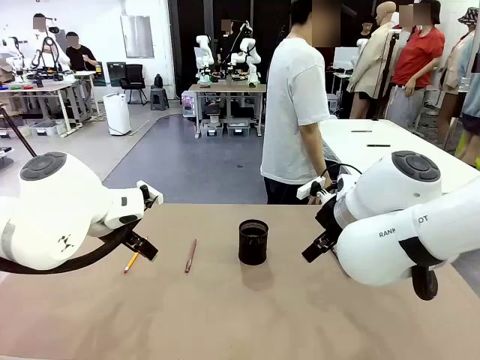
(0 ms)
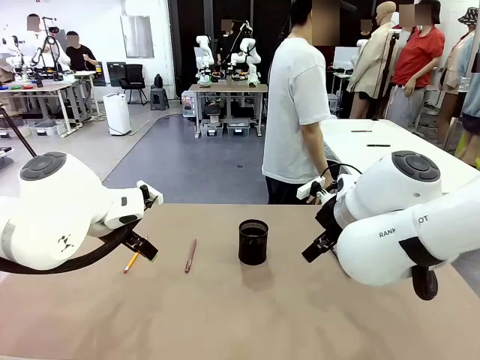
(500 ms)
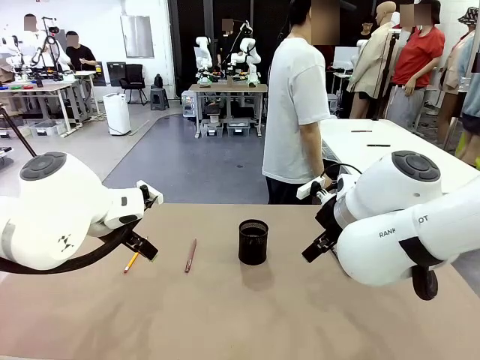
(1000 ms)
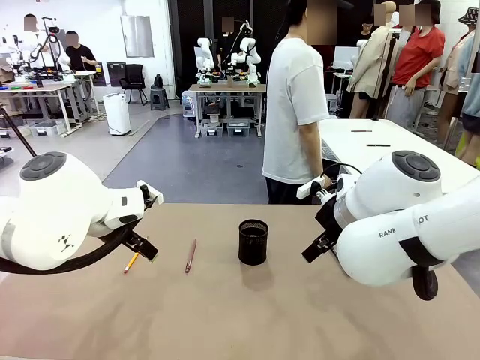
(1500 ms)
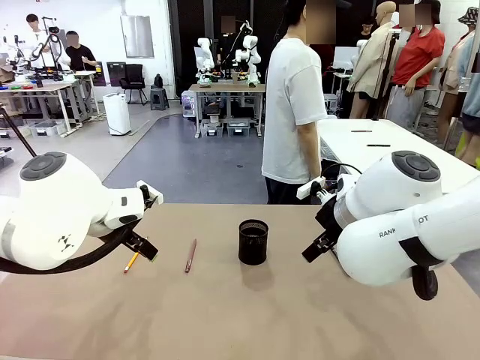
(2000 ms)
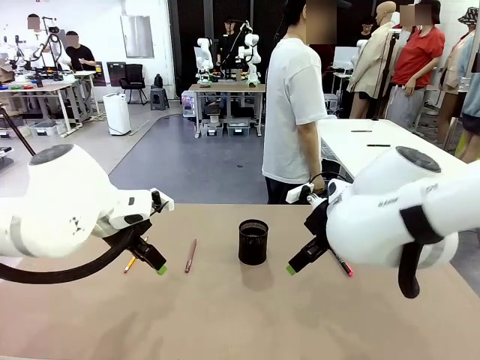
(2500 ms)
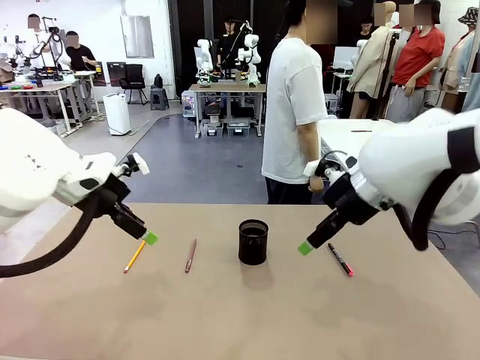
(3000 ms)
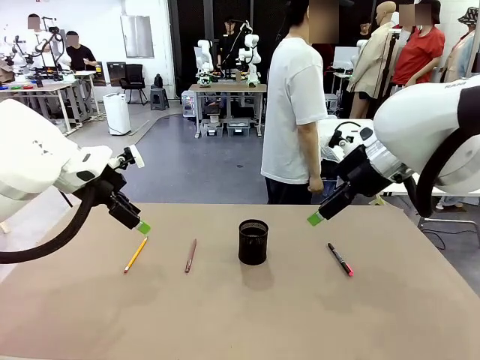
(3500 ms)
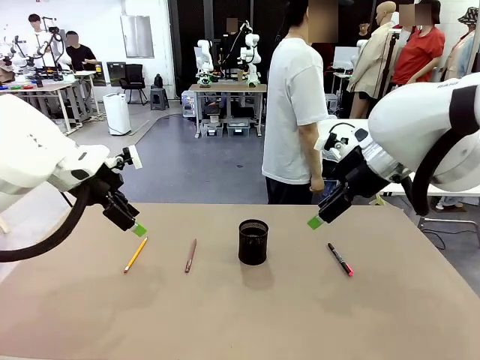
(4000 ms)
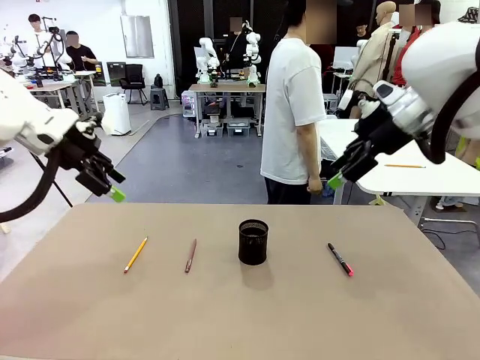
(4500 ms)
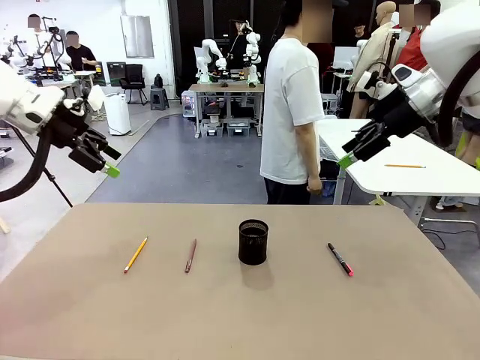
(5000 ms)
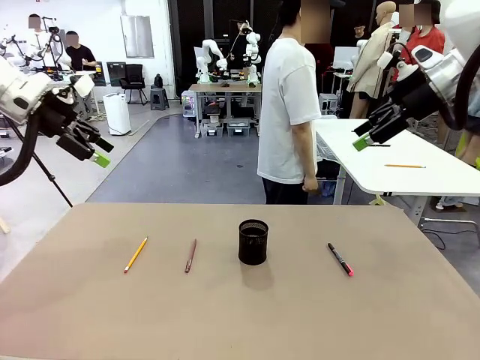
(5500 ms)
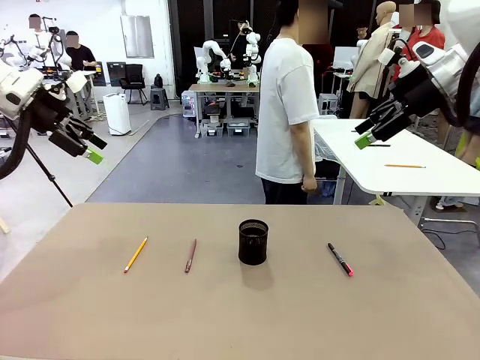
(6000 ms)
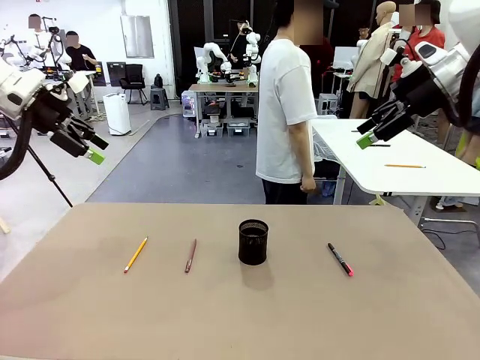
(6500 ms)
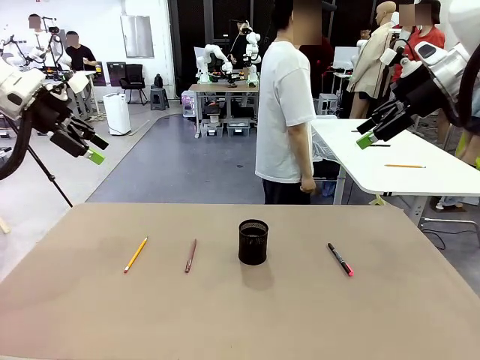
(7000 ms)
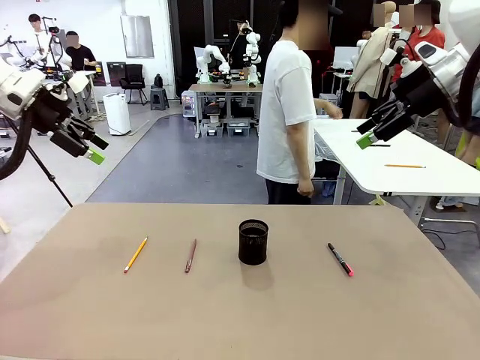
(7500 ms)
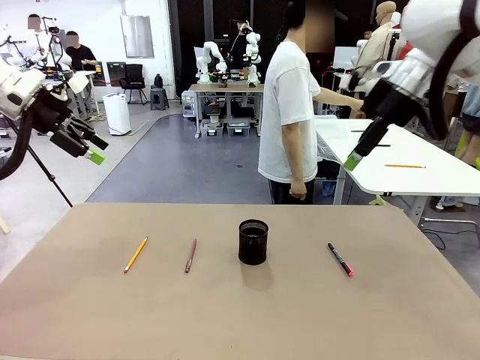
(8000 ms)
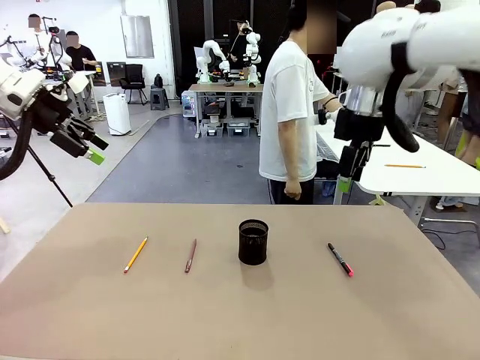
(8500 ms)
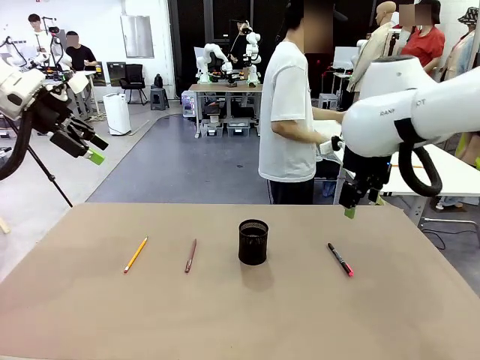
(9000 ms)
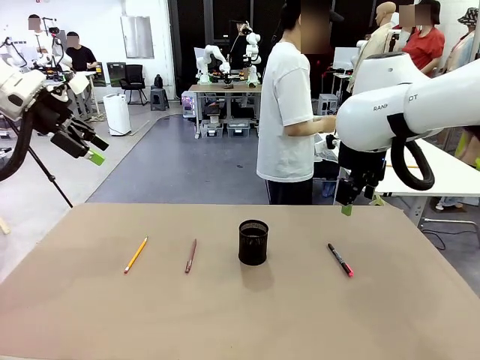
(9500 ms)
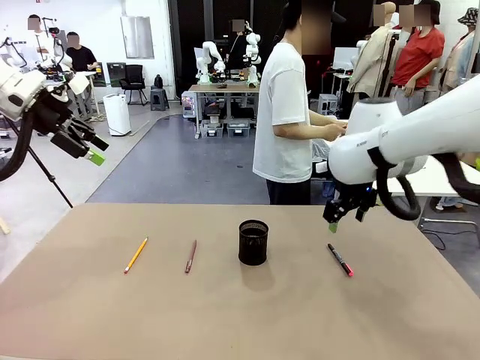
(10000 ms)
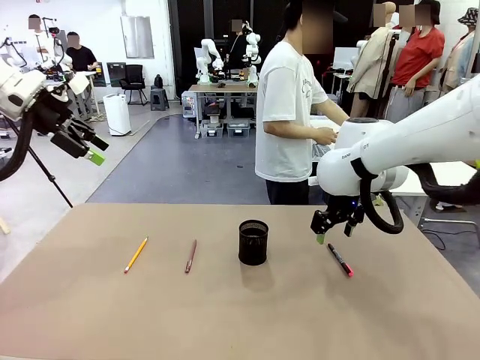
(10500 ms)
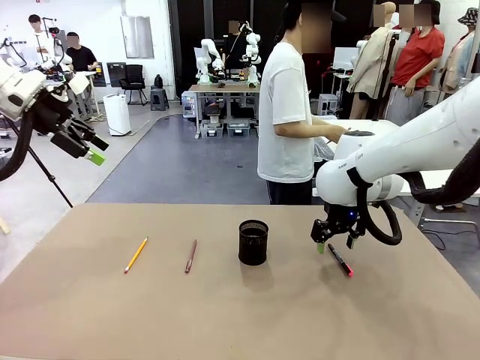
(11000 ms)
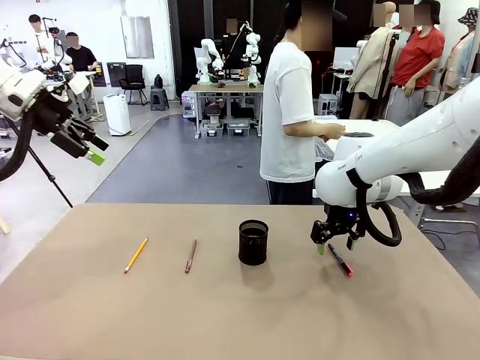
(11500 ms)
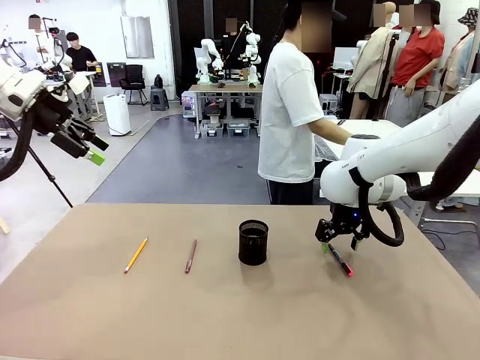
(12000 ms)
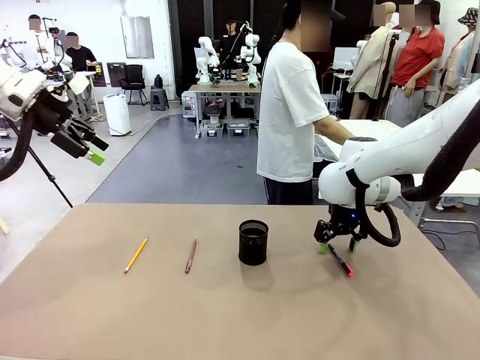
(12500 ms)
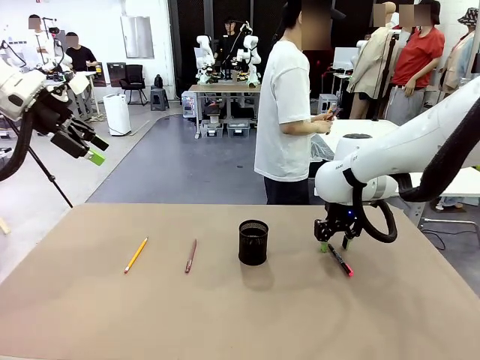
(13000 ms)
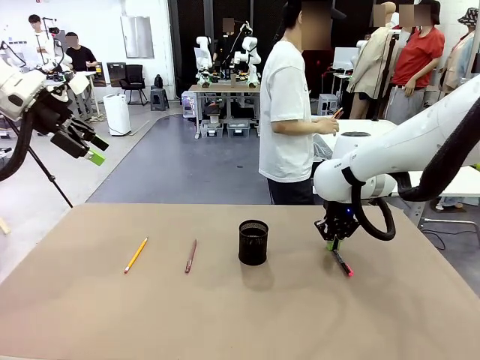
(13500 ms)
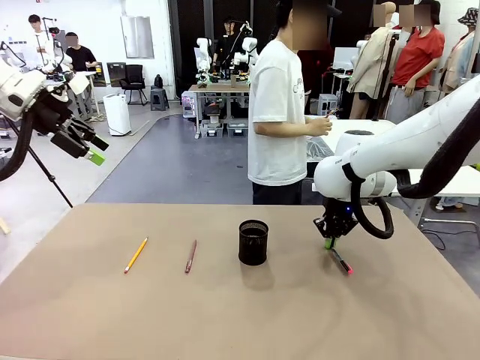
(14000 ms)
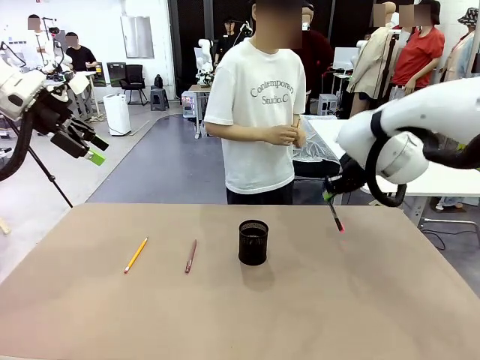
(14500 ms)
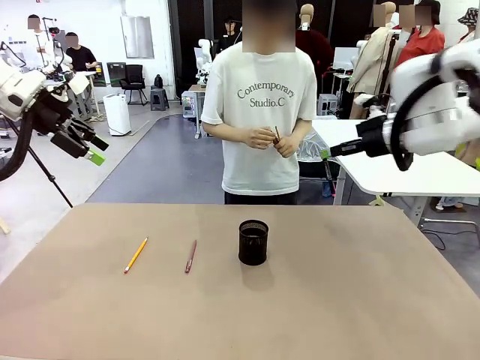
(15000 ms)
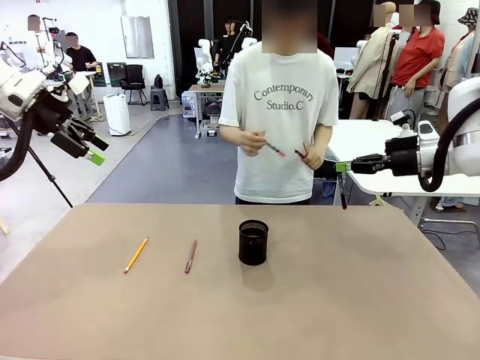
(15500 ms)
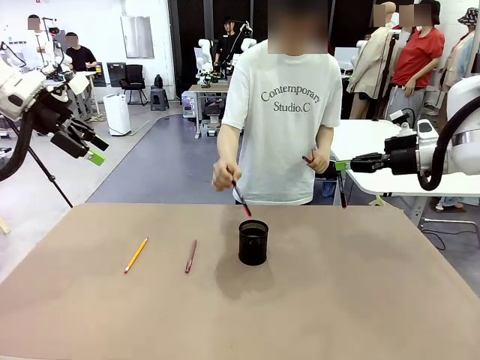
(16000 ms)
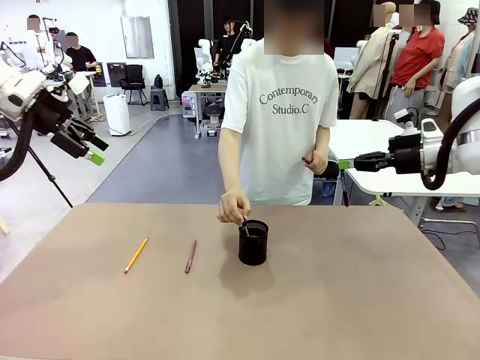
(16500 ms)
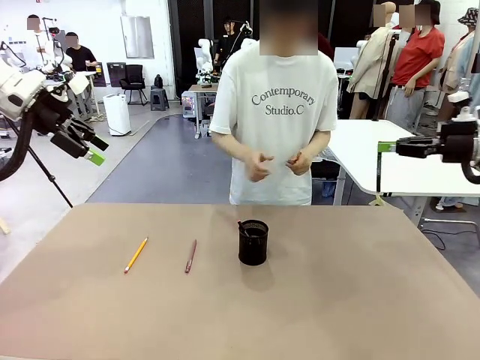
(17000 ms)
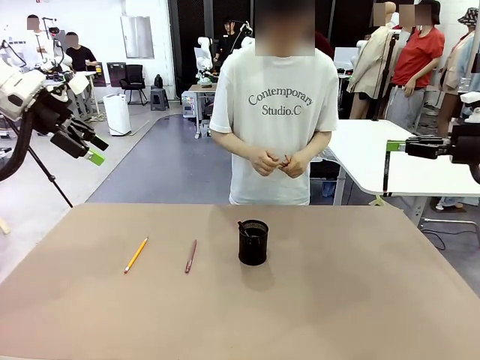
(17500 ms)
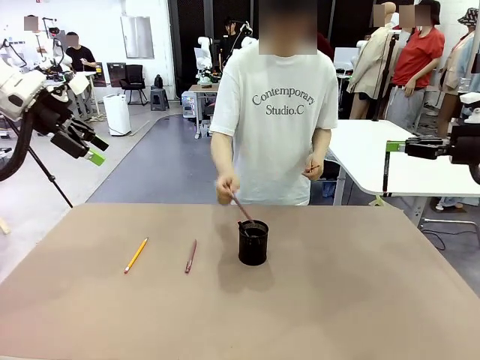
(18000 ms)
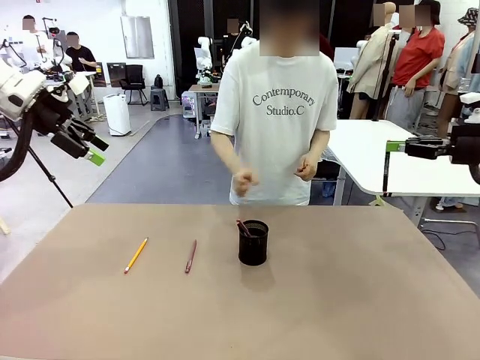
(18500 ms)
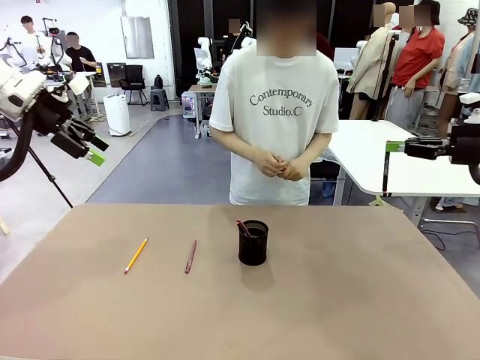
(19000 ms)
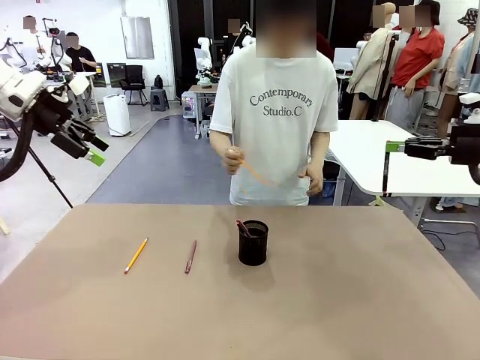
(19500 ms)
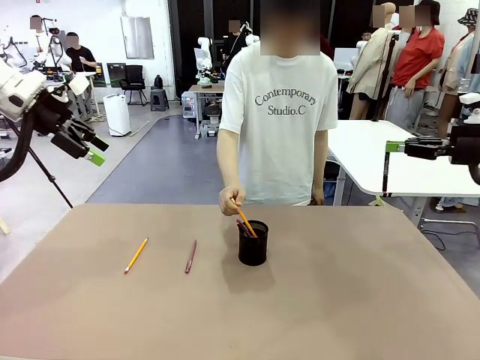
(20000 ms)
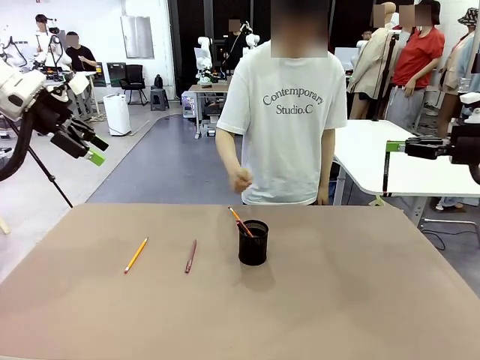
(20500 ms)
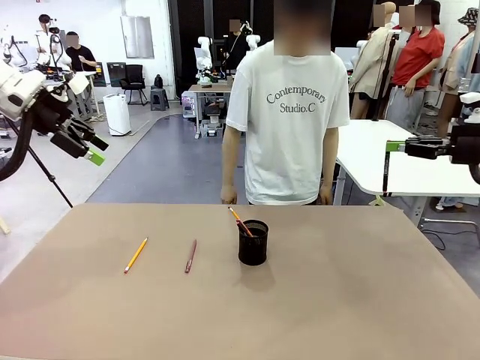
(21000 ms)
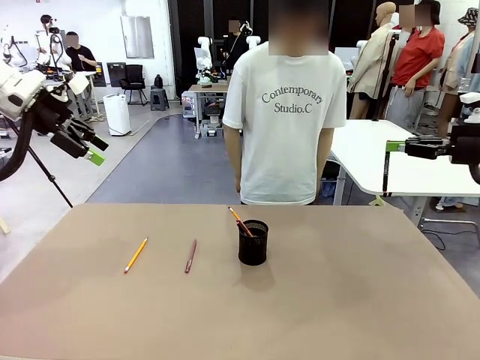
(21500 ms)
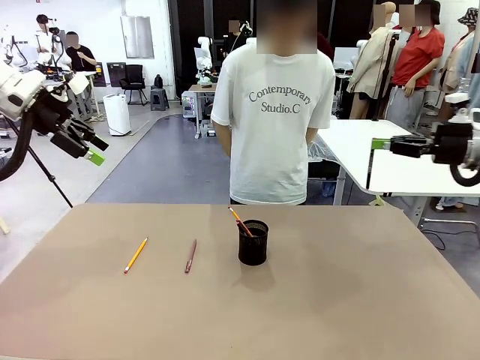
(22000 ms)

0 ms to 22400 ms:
Task: Place the pens into the pen holder.
Robot: Pick up a writing instrument from the table and place it into the Pen holder.
Person: Pick up all writing instruments from the Human table.
